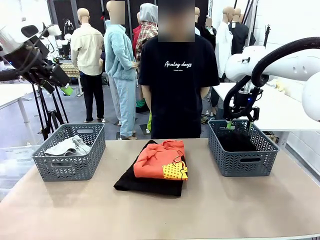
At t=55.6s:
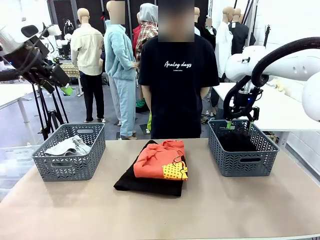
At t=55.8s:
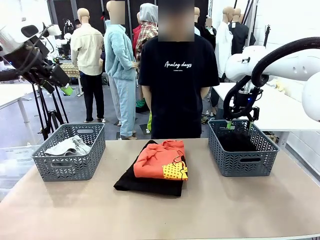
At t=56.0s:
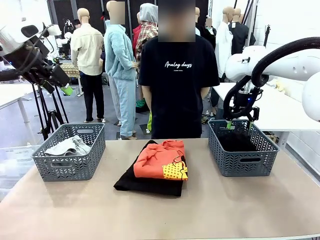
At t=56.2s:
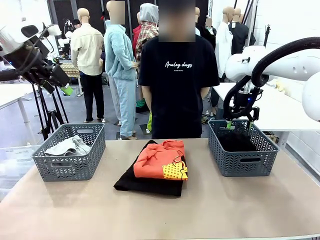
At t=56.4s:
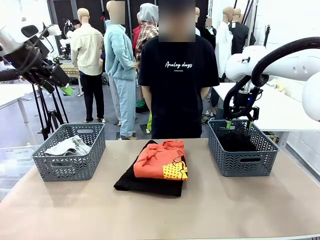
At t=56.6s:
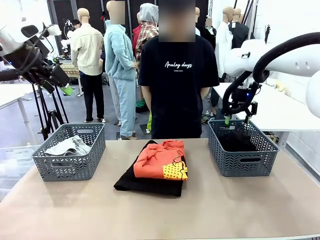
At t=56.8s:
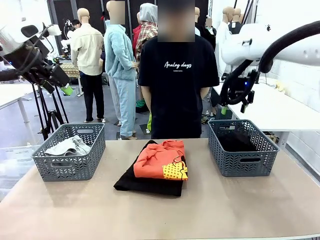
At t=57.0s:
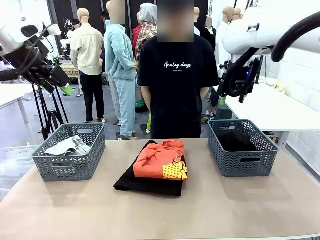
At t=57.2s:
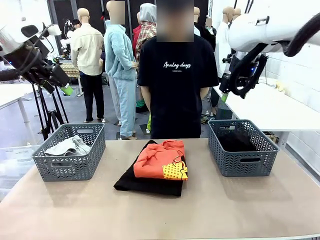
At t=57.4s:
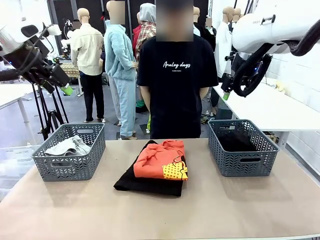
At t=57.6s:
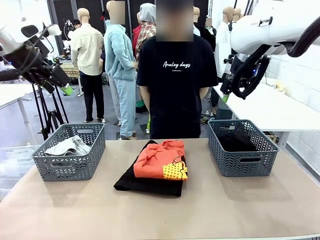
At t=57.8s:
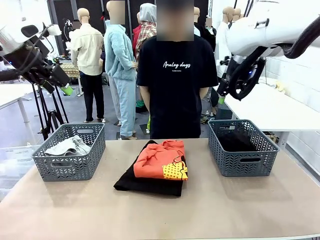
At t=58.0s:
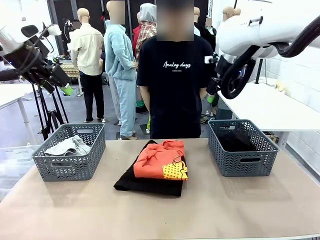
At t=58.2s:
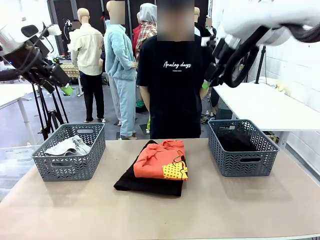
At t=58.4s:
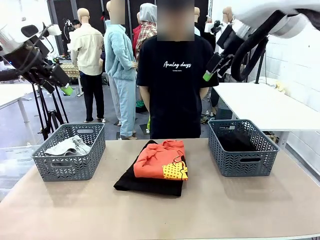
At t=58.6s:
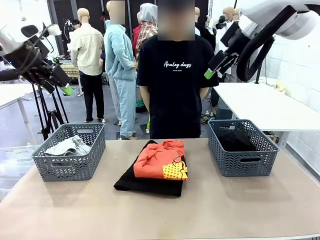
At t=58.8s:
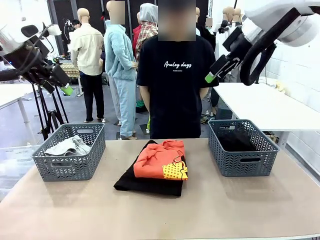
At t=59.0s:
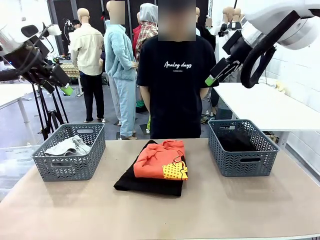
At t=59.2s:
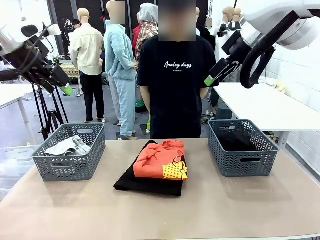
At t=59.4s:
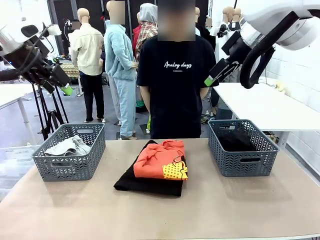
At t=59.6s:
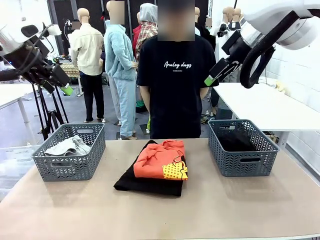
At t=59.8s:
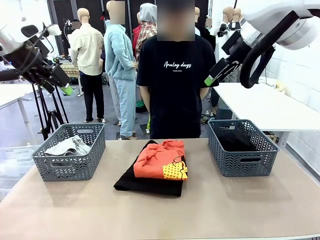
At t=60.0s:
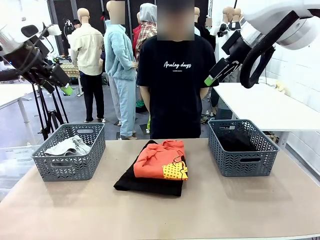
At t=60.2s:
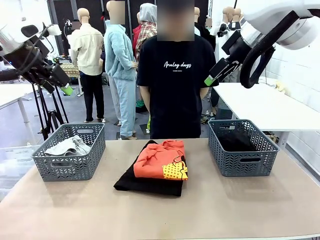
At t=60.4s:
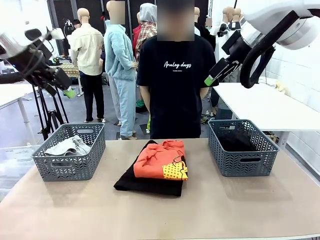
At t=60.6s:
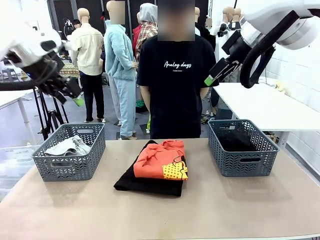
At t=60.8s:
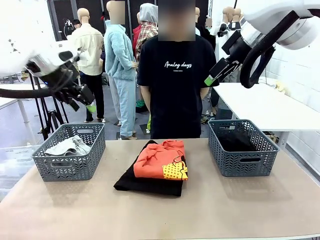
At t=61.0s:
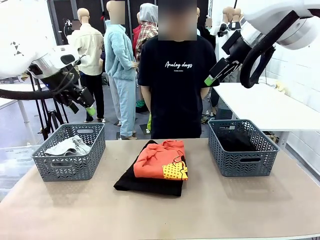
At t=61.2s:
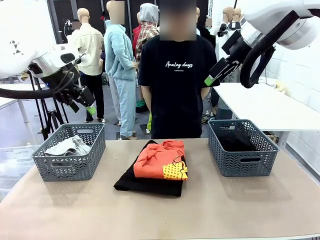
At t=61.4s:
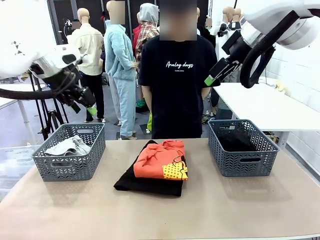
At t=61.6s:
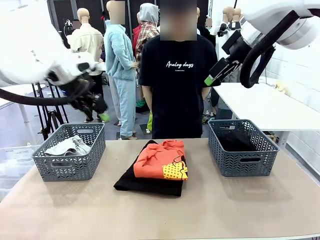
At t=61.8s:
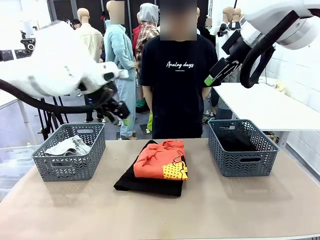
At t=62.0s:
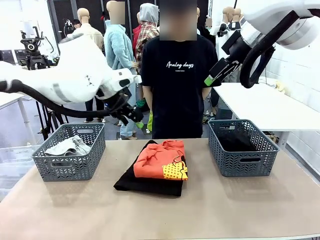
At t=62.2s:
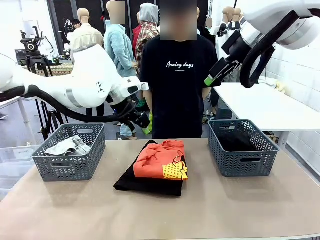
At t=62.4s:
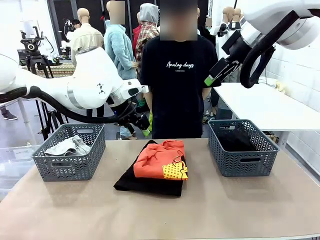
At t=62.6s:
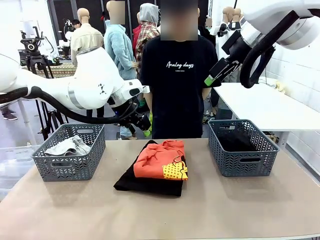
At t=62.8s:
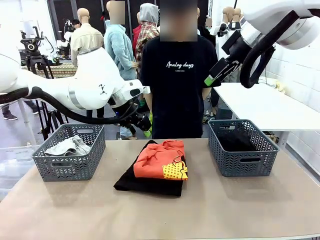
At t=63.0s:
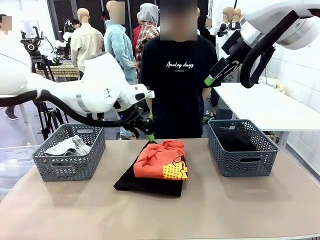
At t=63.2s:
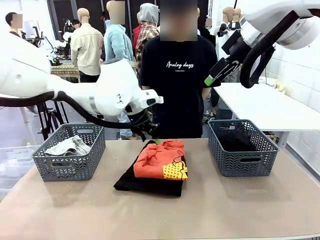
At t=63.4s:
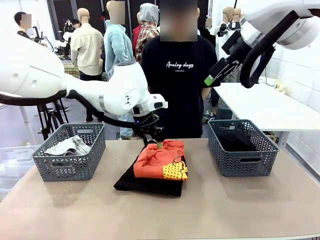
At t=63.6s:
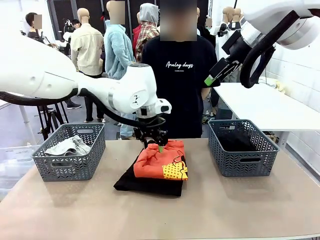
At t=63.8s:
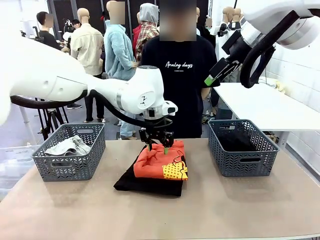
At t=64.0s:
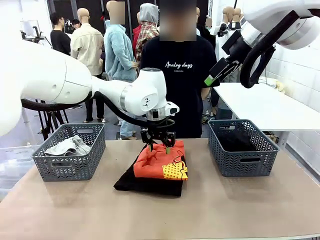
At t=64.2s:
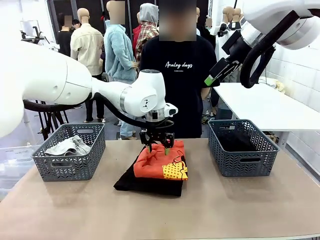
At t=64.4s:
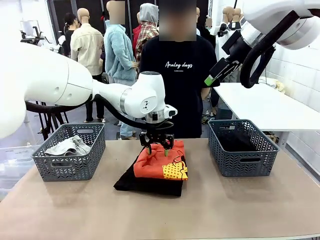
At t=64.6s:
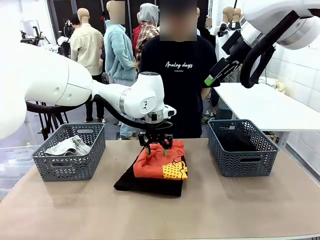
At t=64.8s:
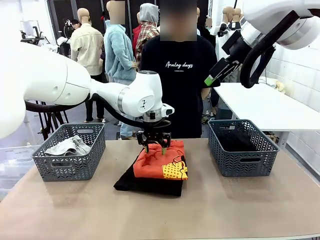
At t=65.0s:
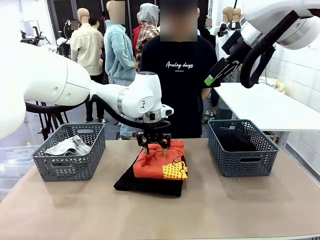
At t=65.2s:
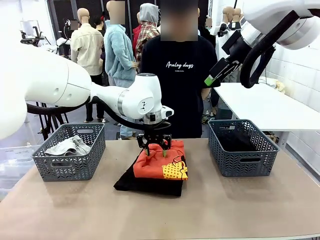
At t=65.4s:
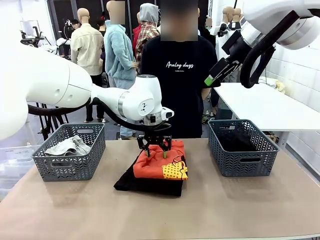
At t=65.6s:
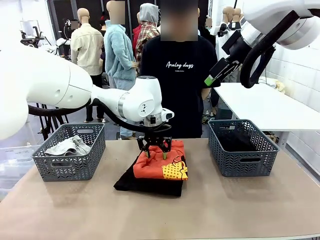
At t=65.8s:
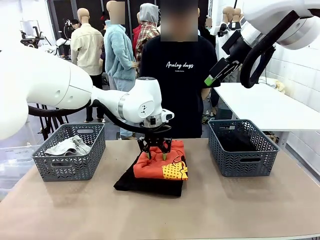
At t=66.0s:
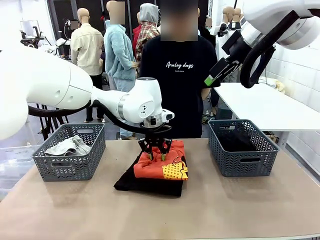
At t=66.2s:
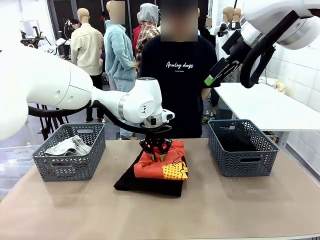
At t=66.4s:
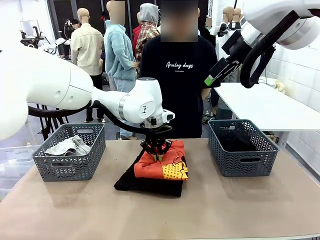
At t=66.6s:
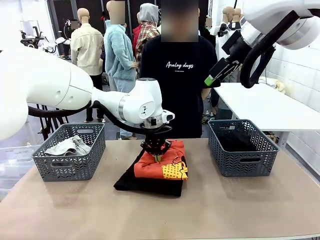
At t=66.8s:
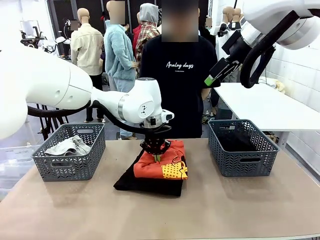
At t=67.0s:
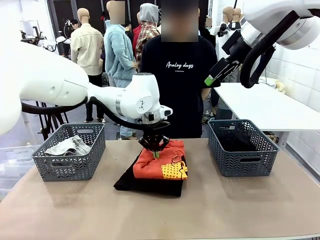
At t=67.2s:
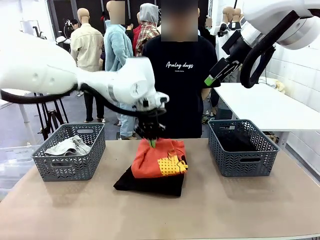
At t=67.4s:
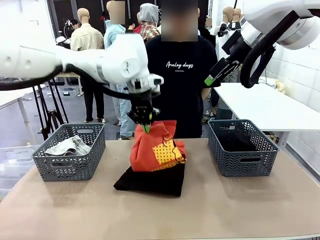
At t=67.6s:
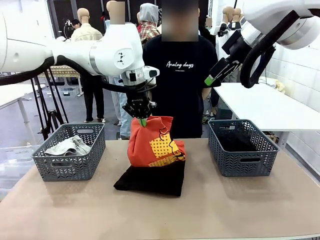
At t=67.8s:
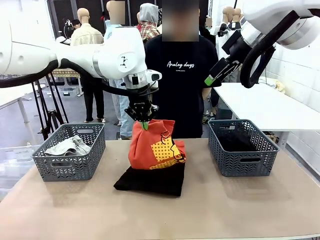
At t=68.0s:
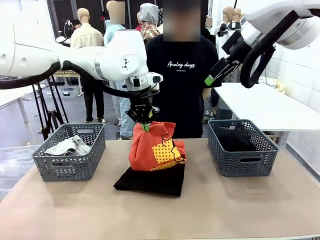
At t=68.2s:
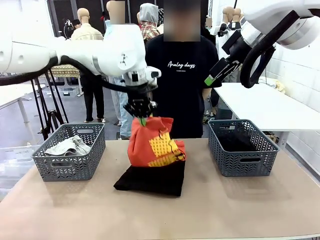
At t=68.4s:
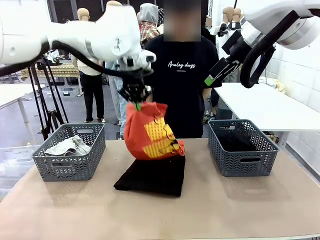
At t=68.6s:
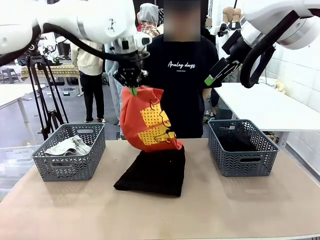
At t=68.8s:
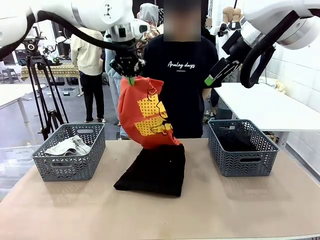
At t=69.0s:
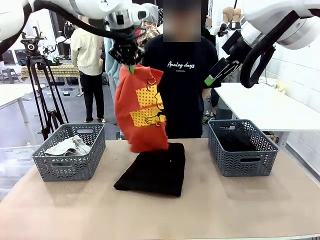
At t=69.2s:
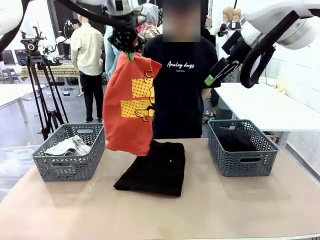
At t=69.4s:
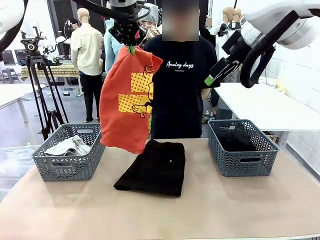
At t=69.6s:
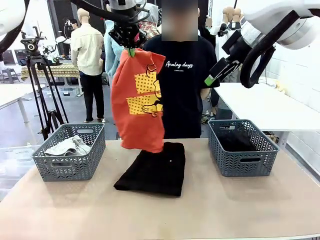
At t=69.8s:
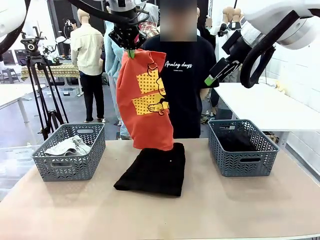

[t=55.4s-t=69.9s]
Task: Sort the tops and bottoms.
Robot: Lift clothes from the center of the table with your left hand.

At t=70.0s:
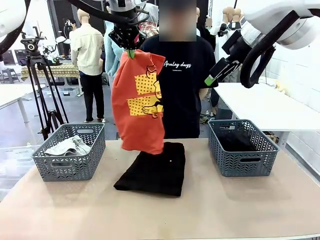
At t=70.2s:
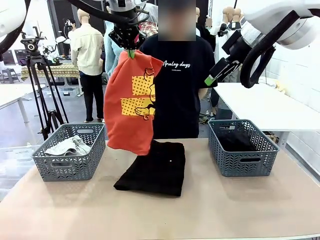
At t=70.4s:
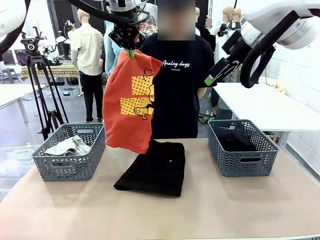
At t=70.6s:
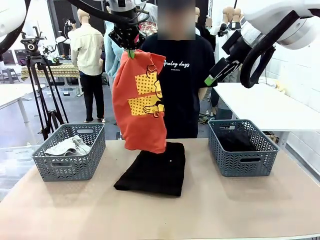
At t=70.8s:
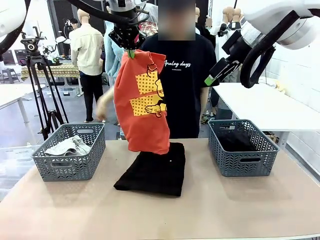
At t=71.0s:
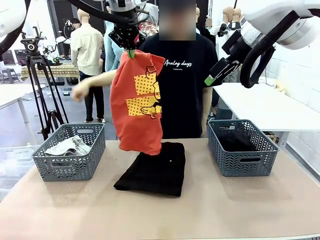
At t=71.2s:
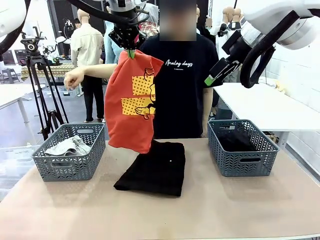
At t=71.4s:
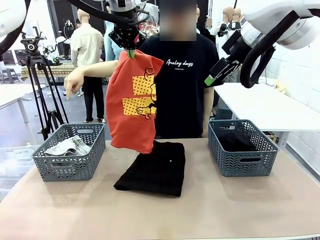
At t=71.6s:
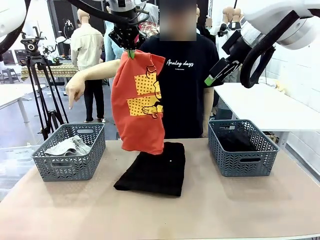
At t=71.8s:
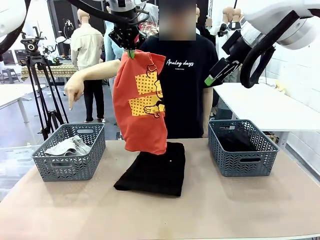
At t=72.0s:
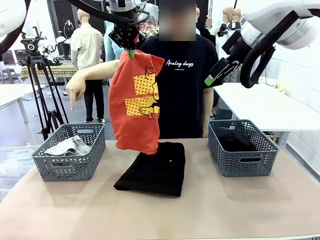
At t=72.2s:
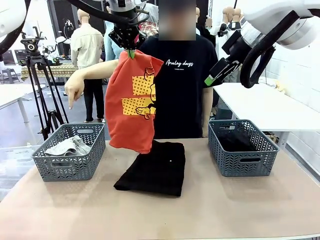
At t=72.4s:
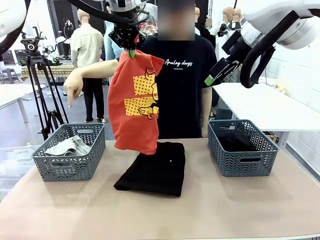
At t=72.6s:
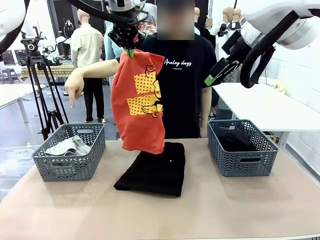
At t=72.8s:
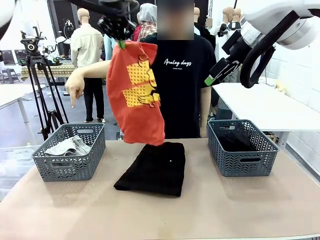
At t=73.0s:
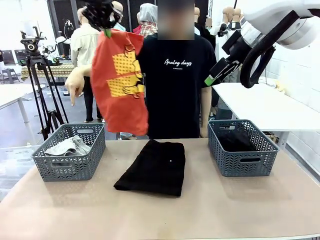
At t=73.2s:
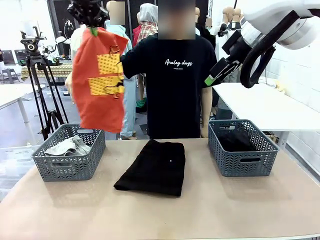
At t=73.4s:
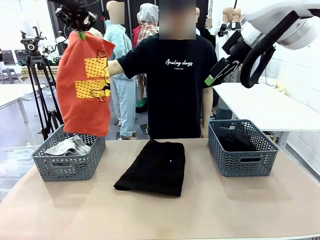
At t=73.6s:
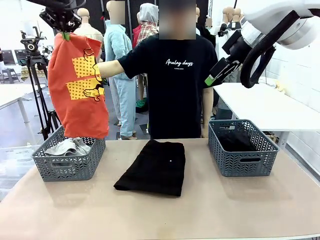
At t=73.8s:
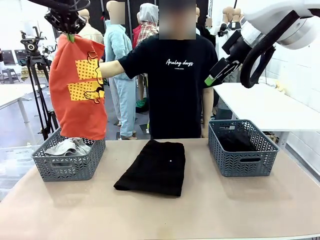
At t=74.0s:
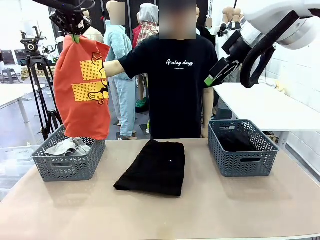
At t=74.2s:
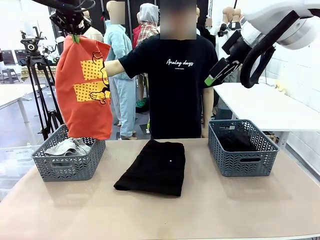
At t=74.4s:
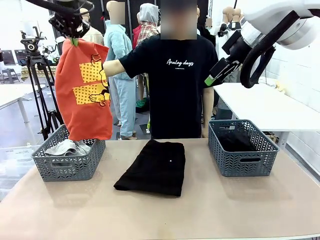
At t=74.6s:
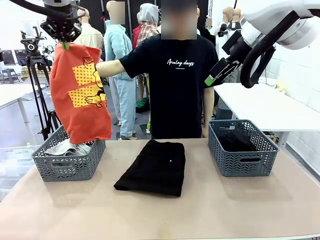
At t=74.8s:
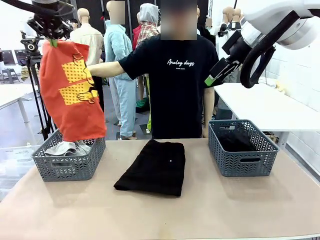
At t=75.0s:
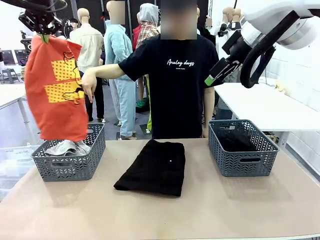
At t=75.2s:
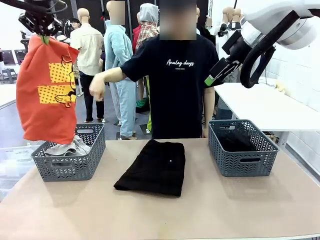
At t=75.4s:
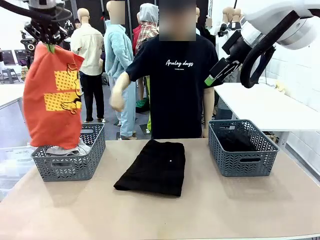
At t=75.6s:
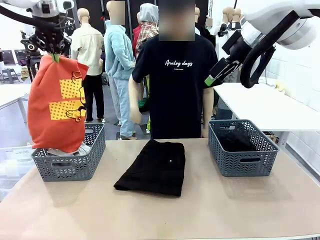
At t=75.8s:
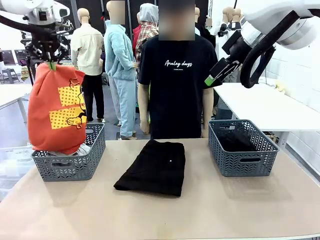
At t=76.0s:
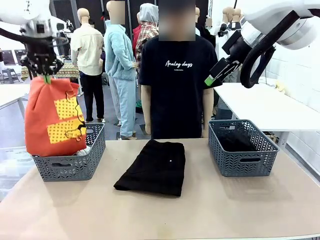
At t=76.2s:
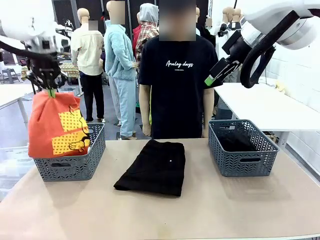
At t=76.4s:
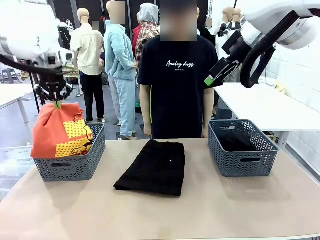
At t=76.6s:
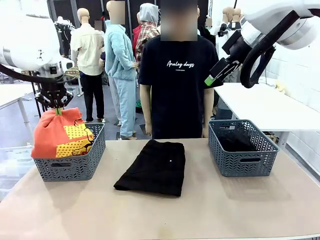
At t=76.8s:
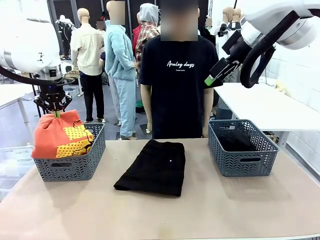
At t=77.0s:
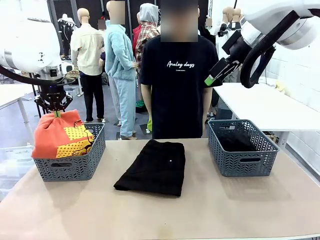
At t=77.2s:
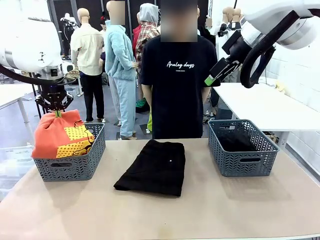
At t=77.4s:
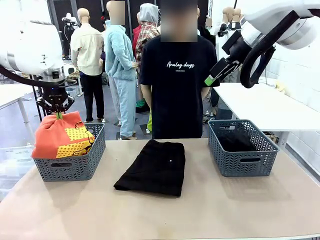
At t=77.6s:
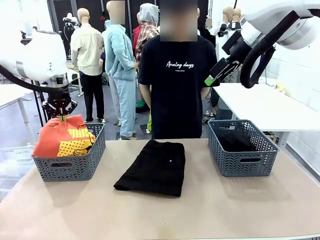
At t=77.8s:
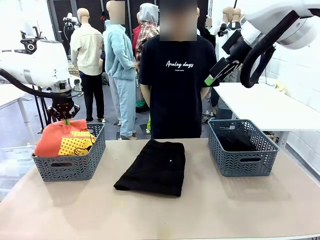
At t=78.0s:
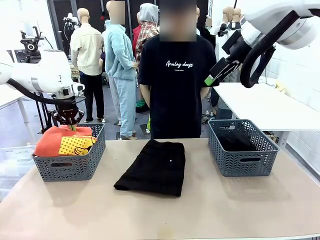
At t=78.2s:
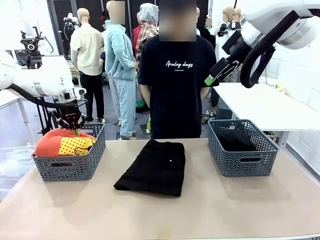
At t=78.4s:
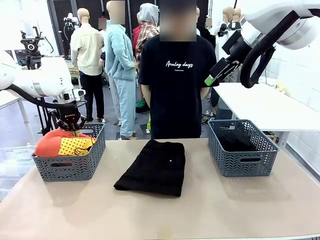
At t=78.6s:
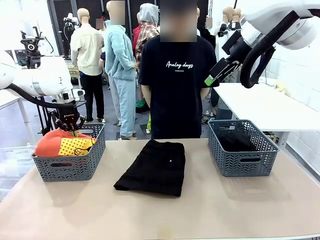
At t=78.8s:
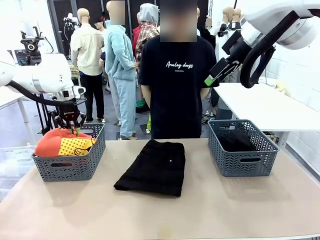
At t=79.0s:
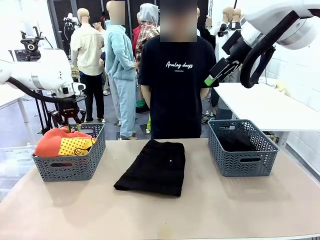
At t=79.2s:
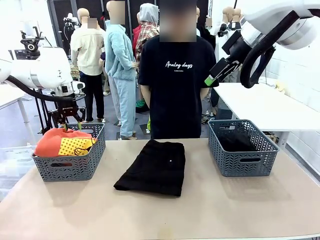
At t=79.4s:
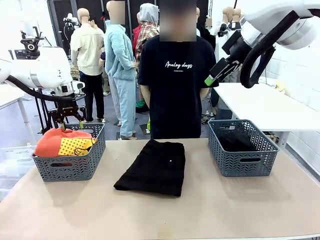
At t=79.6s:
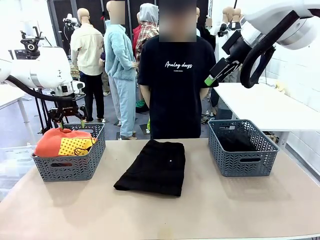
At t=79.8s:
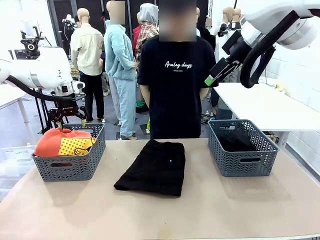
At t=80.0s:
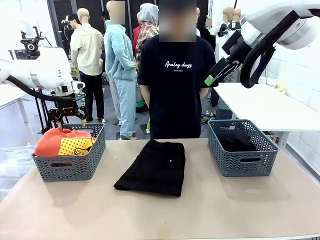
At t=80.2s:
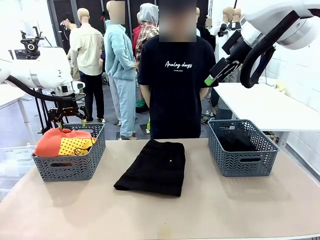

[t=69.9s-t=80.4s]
Robot: Sort the clothes according to human instructions.
